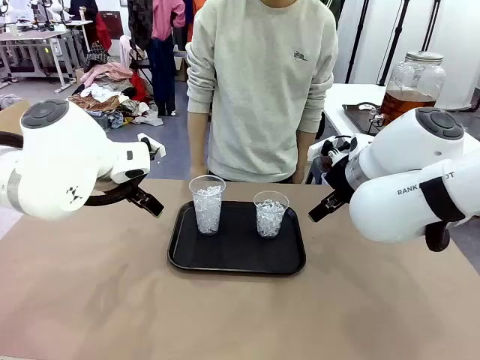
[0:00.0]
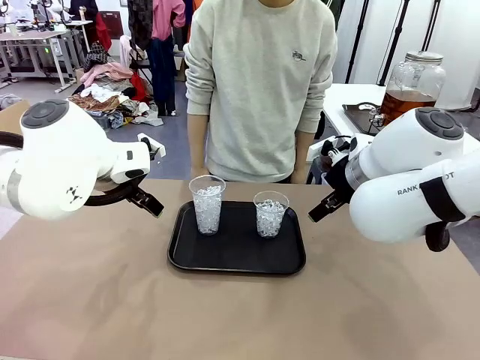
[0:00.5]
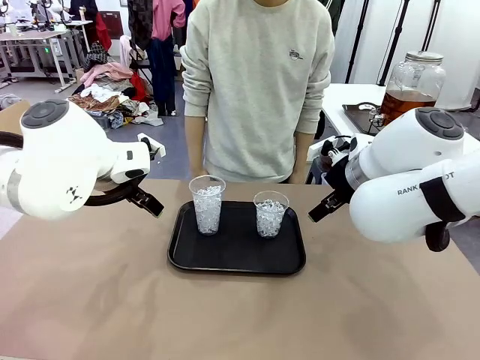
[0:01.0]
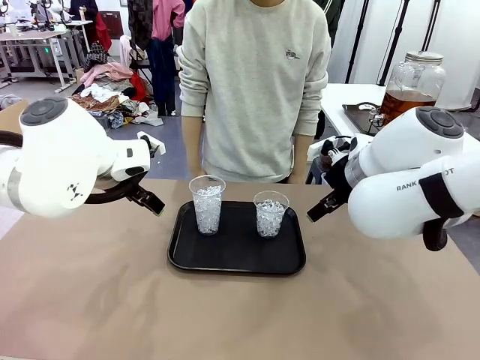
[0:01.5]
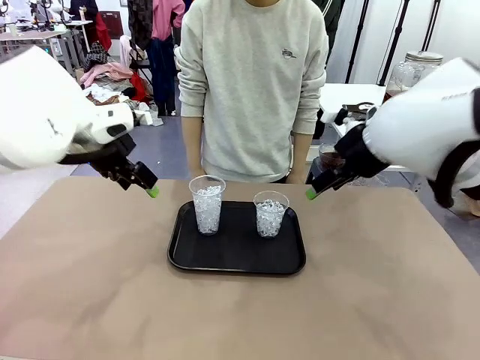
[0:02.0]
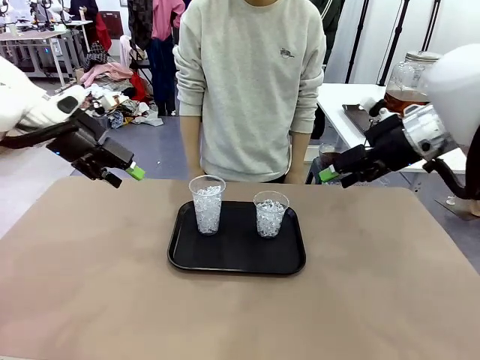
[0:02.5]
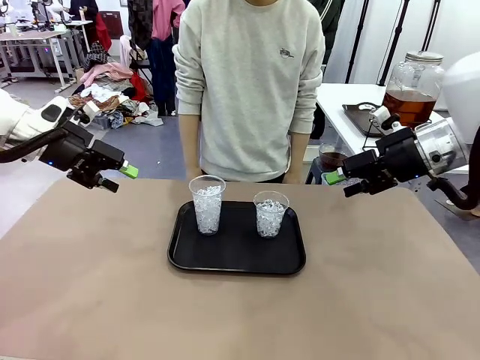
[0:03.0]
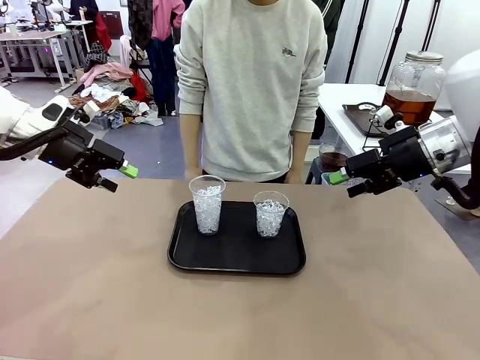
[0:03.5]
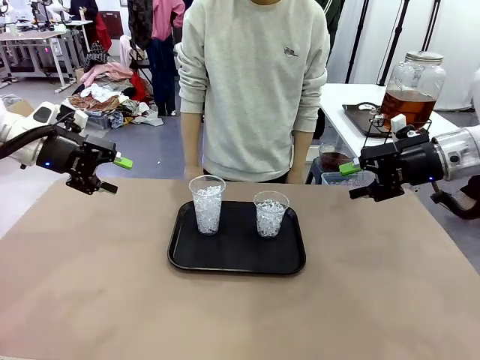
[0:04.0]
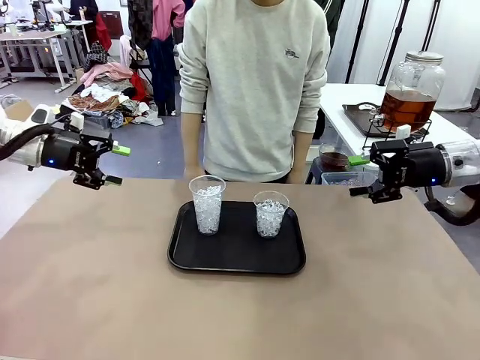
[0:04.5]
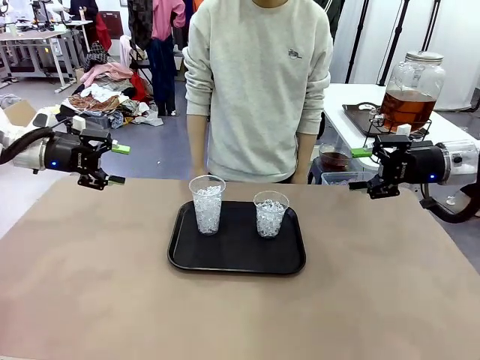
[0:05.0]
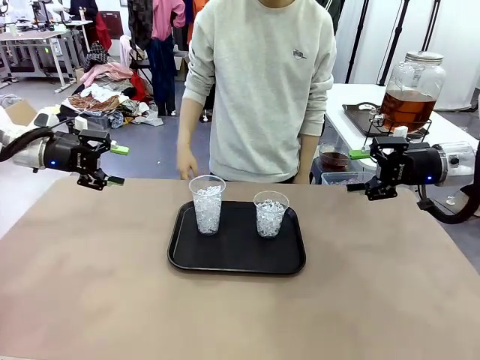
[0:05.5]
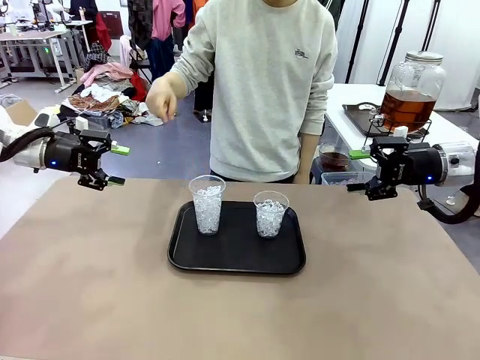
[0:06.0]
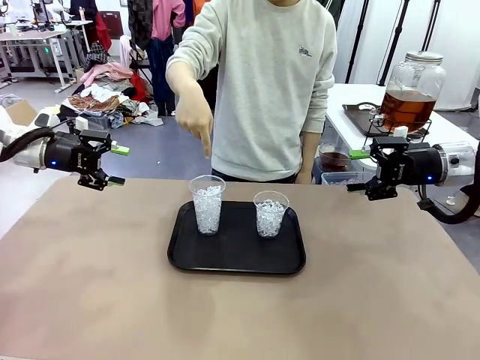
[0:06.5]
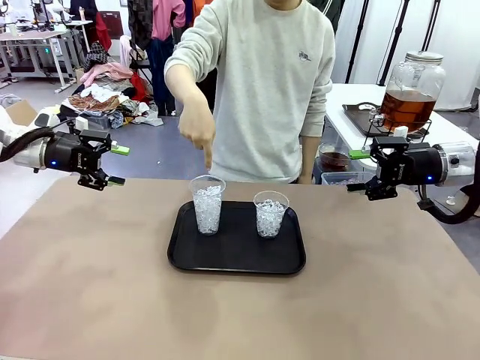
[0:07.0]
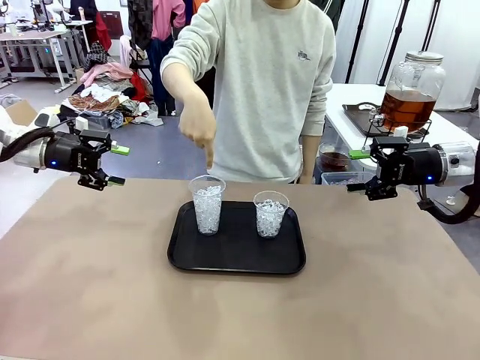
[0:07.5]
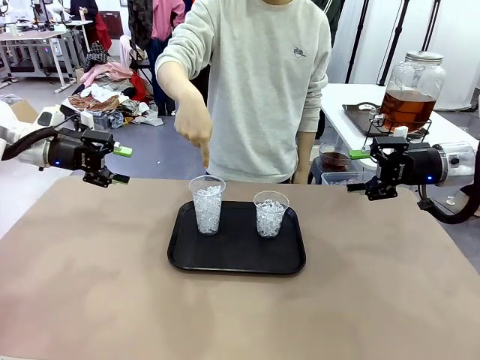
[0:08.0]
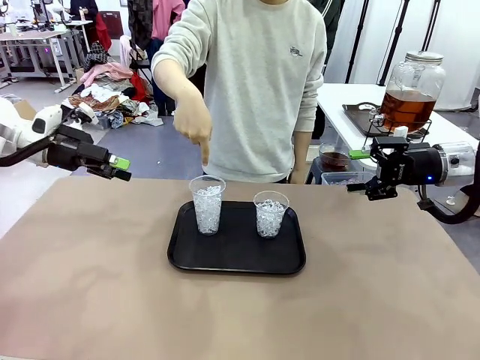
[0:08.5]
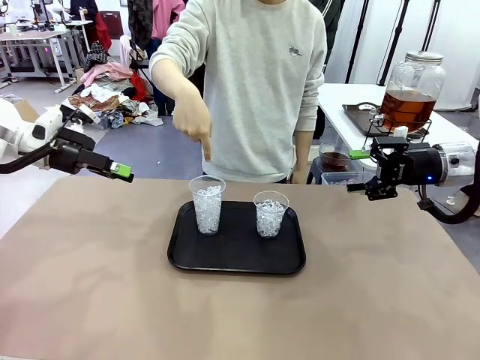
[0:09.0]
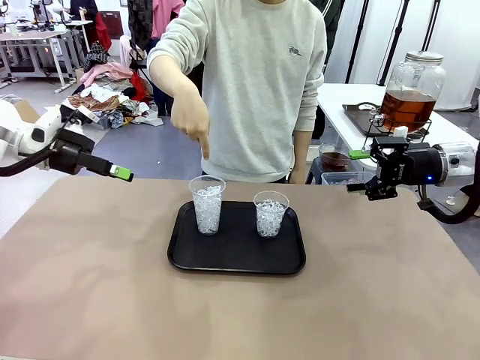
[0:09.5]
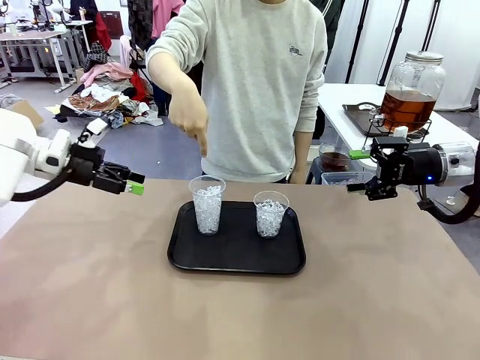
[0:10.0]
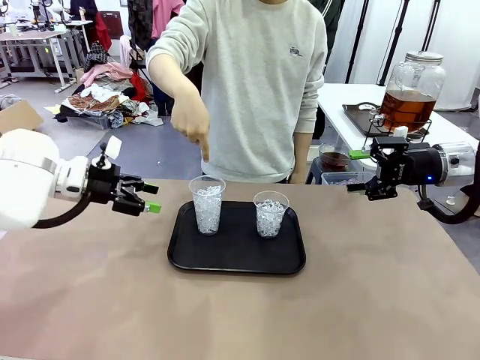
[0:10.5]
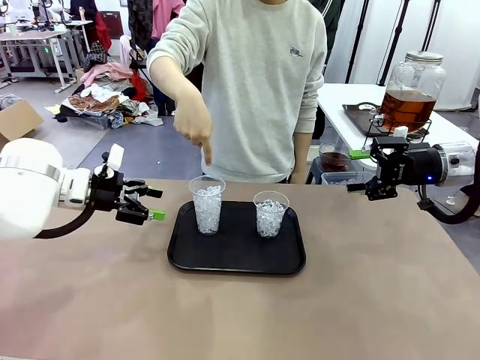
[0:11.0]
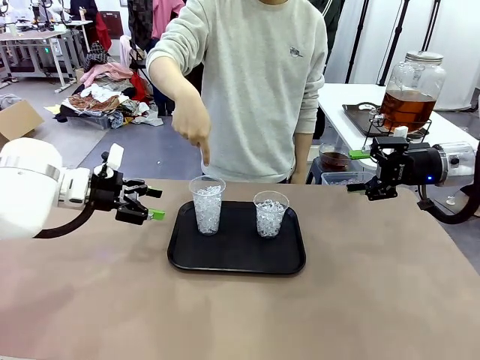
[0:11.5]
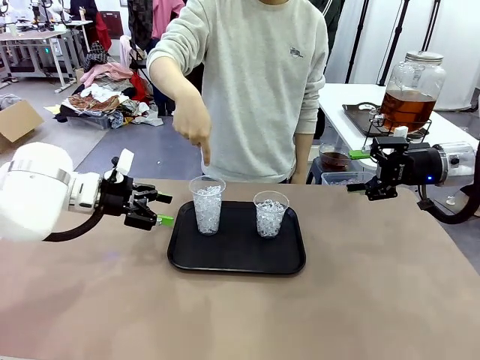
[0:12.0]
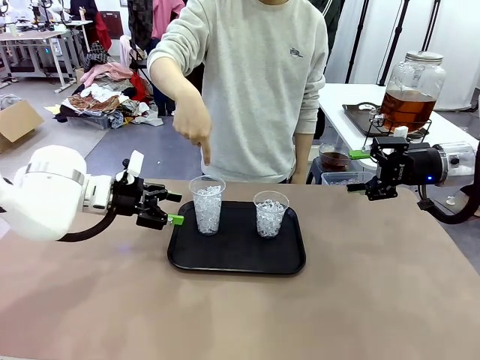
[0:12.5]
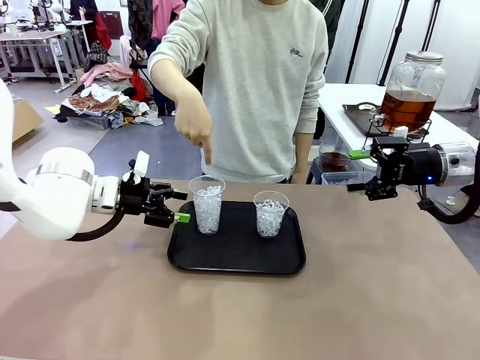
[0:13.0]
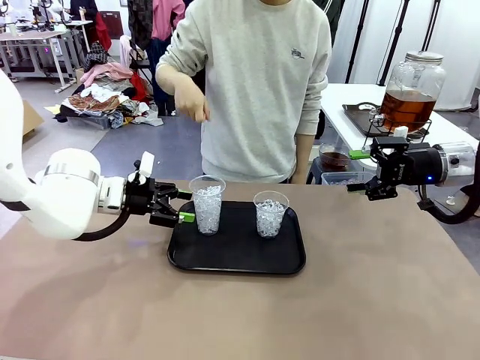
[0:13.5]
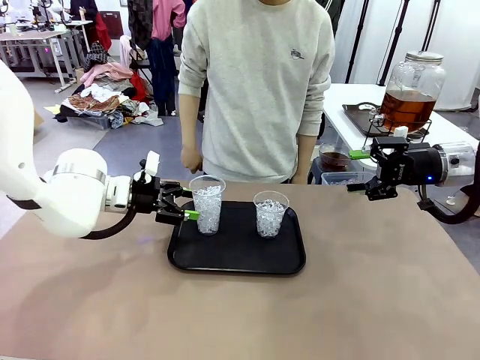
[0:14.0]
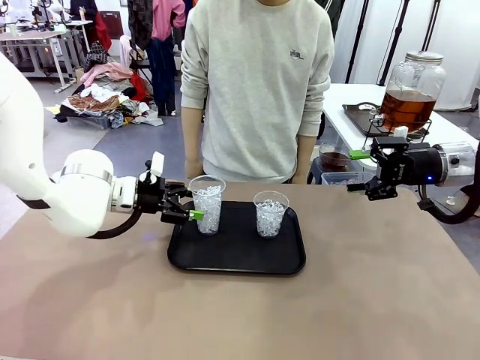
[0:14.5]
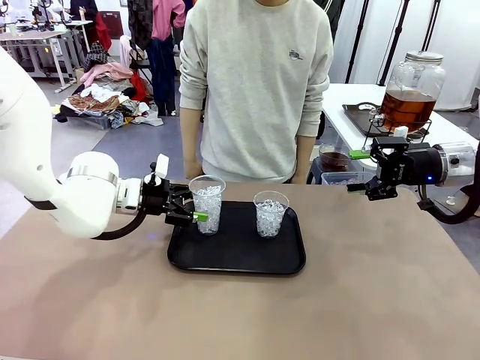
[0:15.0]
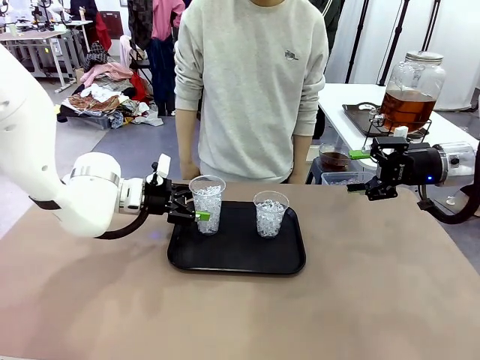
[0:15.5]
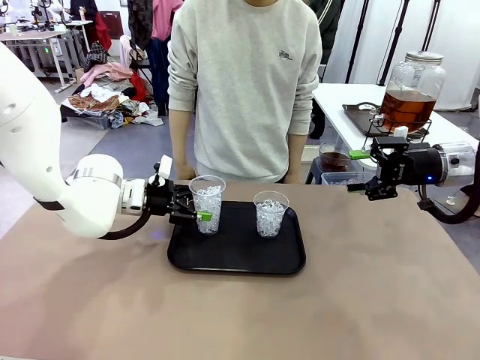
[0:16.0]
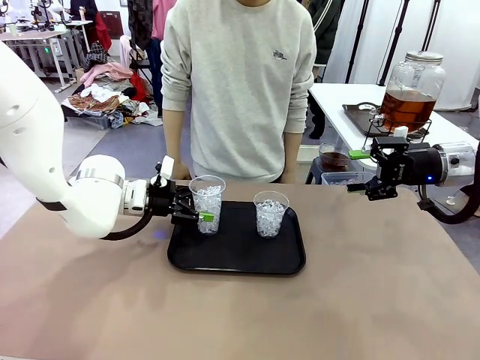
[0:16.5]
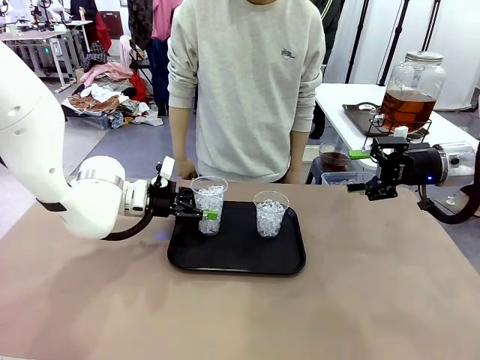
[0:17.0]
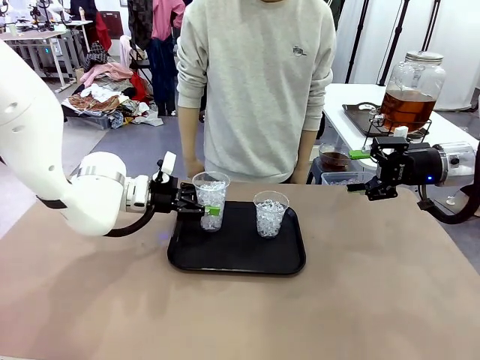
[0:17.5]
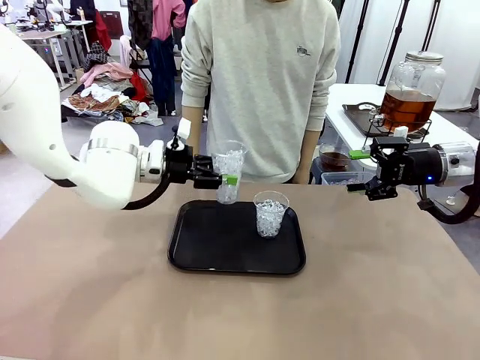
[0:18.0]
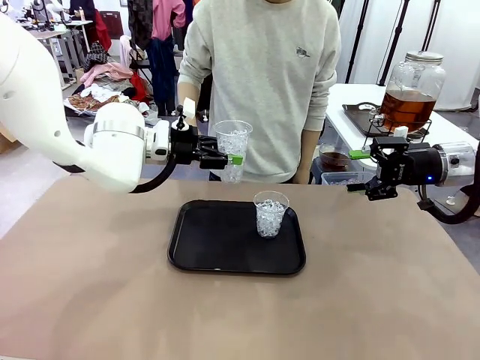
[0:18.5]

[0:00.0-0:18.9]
Task: Pour the drink into the iced cup.
Robot: Pick up the iced cup indicated by the human and present it to them.
Person: Point to one of the two ice cups. Pick up the cup offered by the robot.

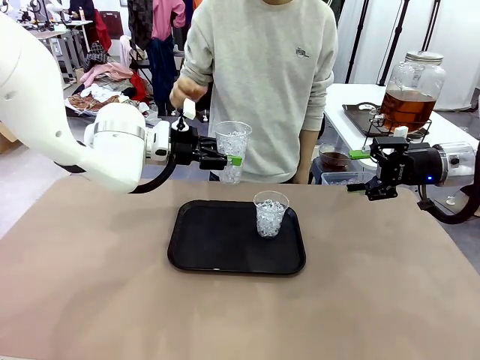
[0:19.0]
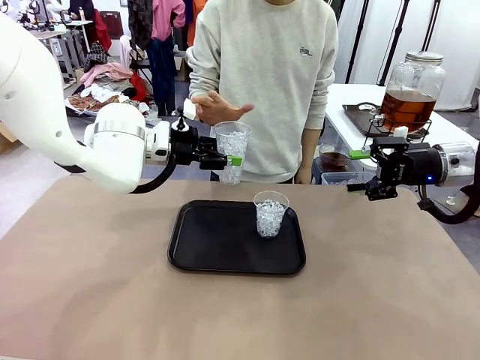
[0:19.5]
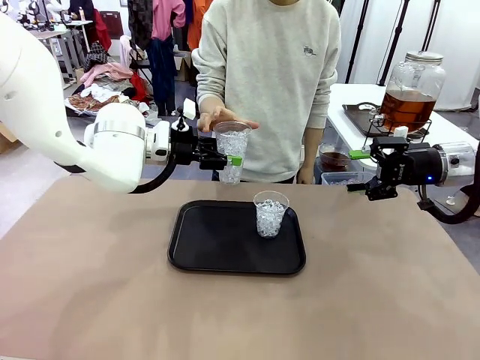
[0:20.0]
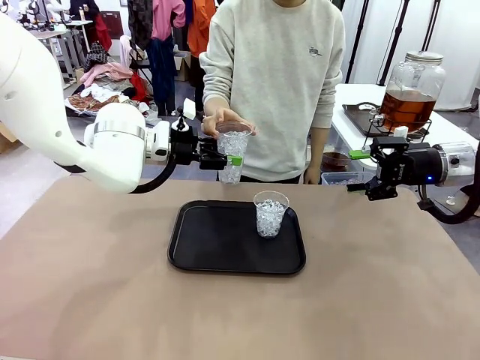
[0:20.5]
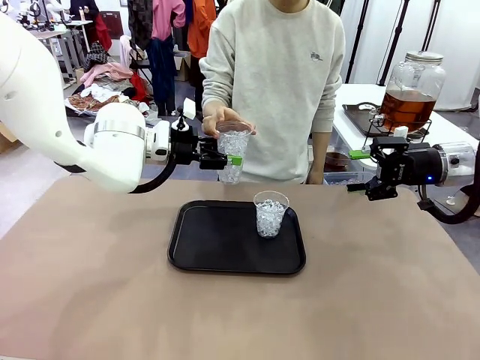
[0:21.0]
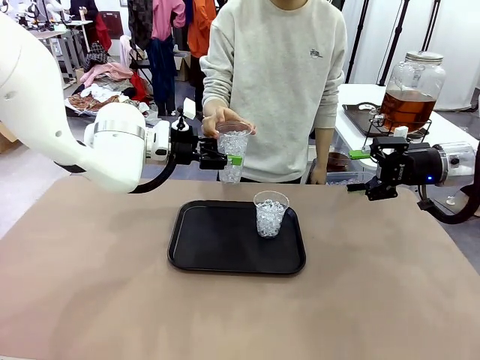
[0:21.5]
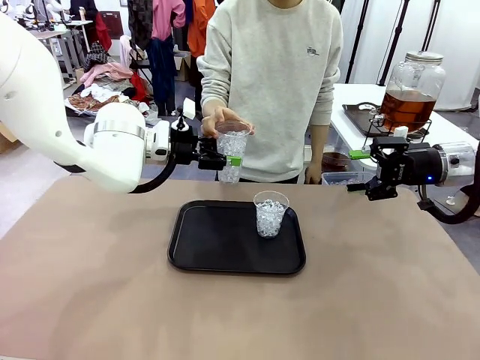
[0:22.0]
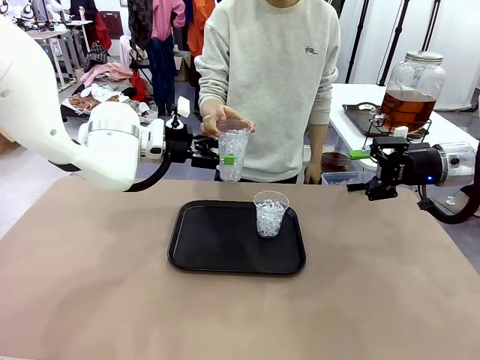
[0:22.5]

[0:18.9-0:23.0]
Robot: Open the gripper to release the iced cup you were holding.
